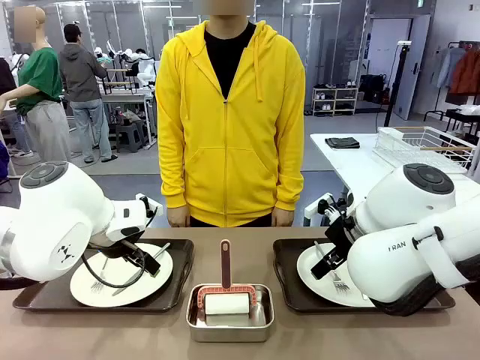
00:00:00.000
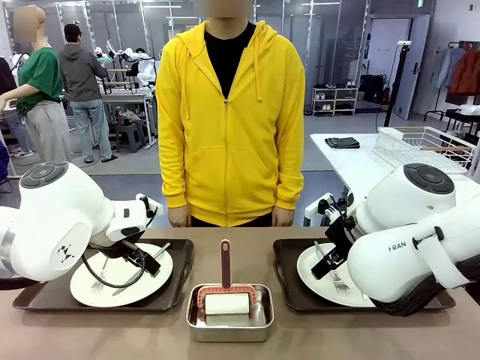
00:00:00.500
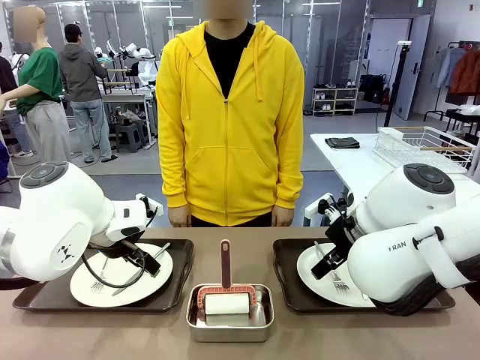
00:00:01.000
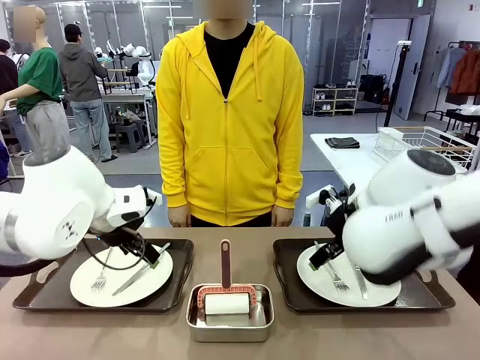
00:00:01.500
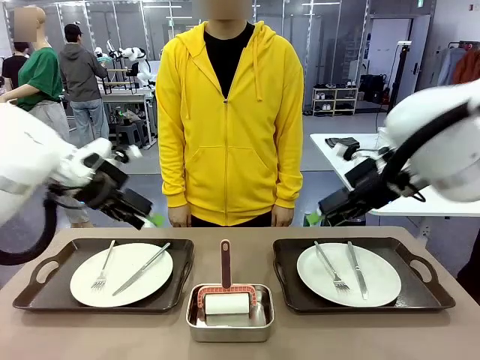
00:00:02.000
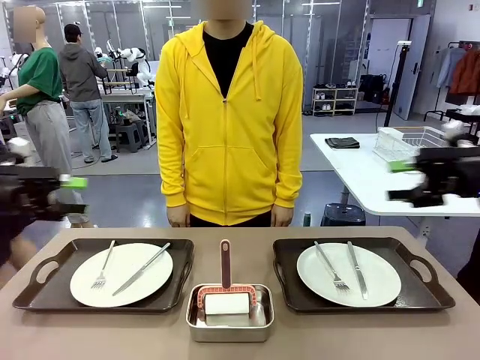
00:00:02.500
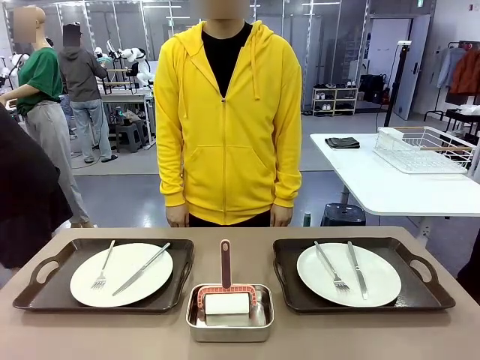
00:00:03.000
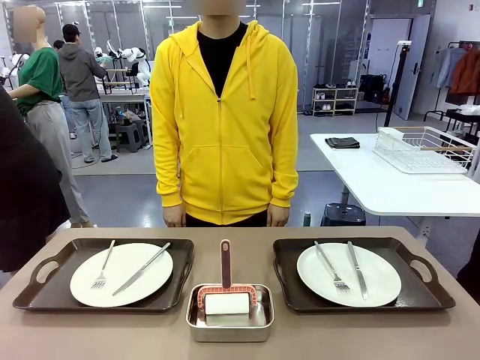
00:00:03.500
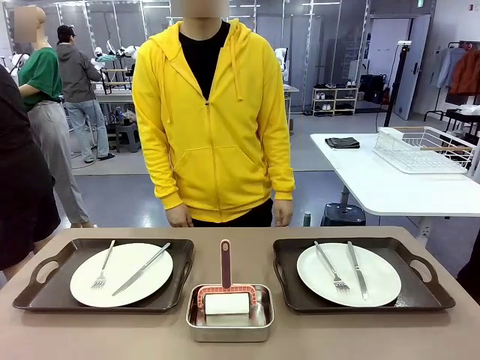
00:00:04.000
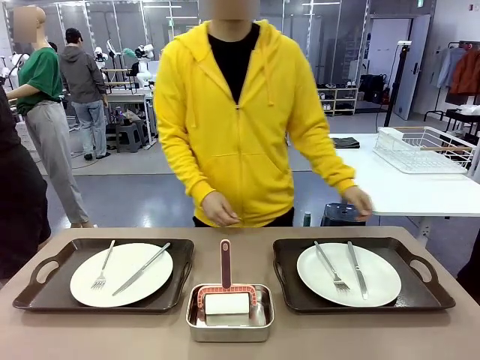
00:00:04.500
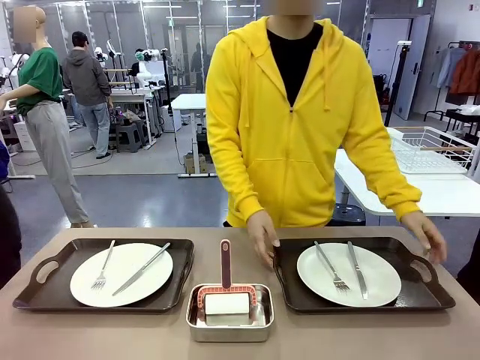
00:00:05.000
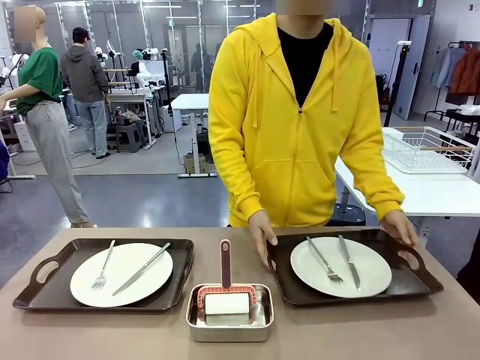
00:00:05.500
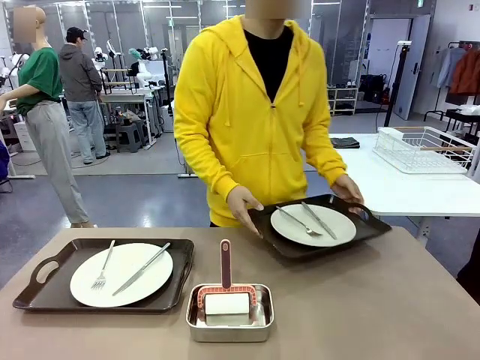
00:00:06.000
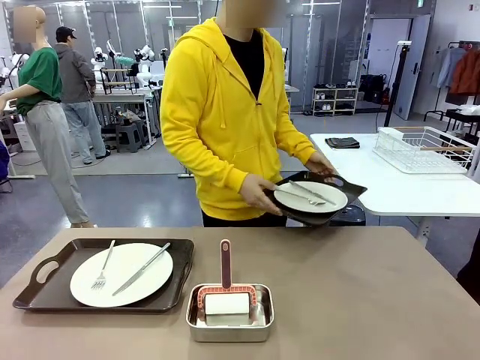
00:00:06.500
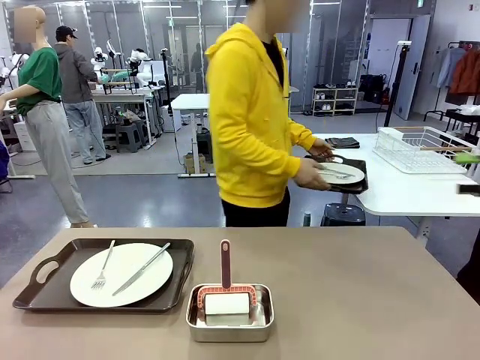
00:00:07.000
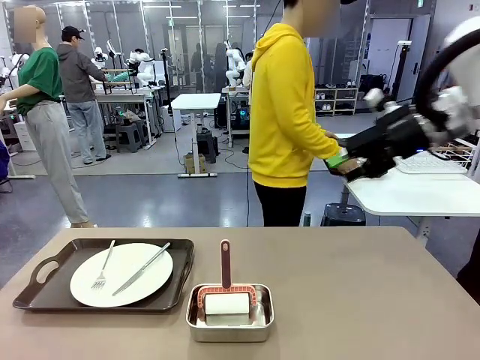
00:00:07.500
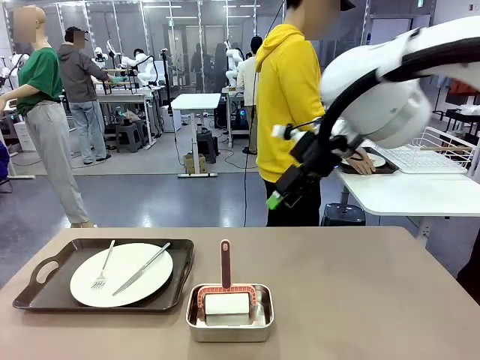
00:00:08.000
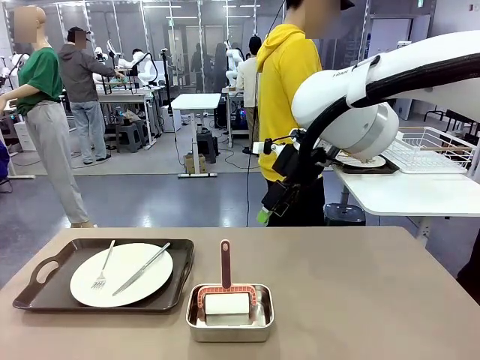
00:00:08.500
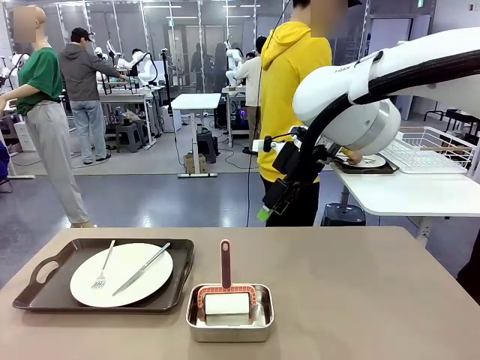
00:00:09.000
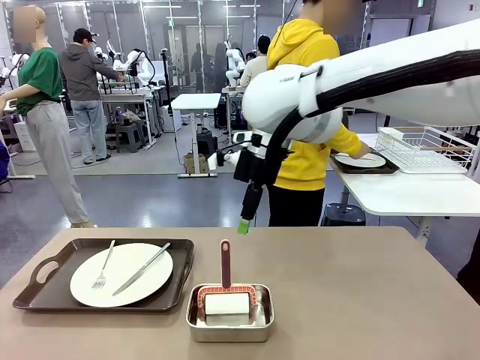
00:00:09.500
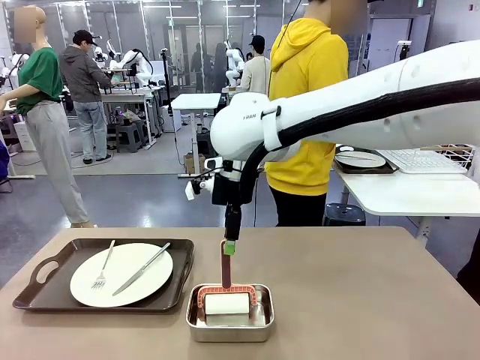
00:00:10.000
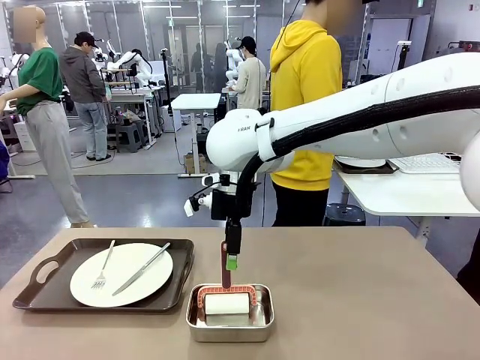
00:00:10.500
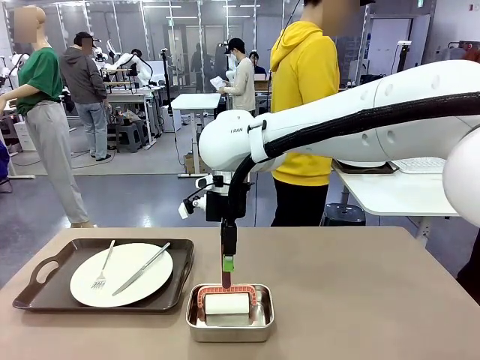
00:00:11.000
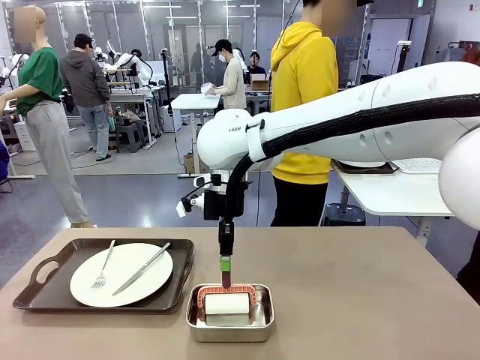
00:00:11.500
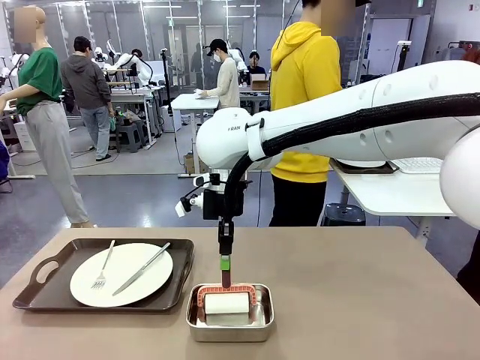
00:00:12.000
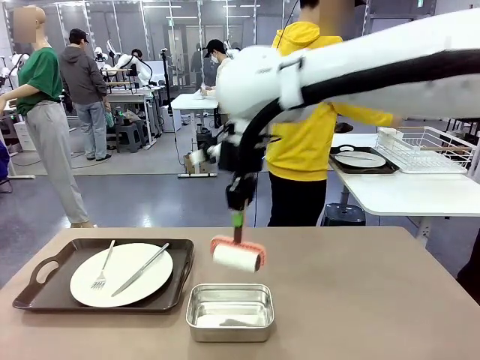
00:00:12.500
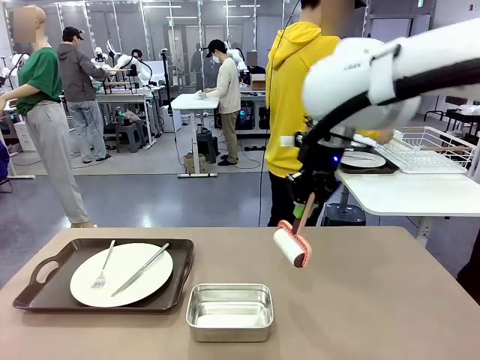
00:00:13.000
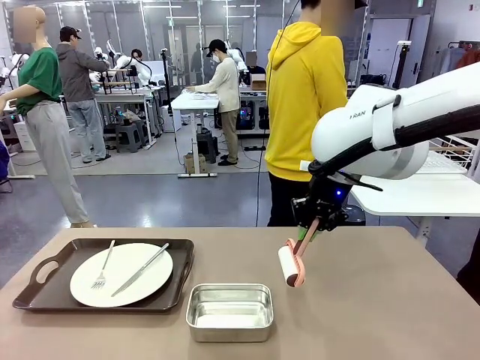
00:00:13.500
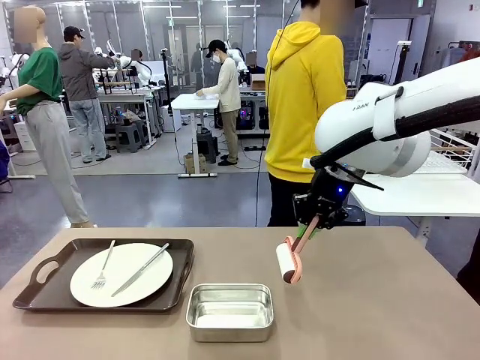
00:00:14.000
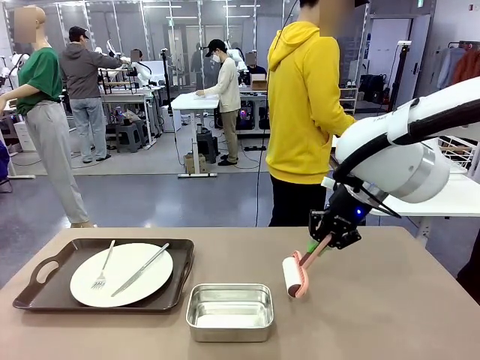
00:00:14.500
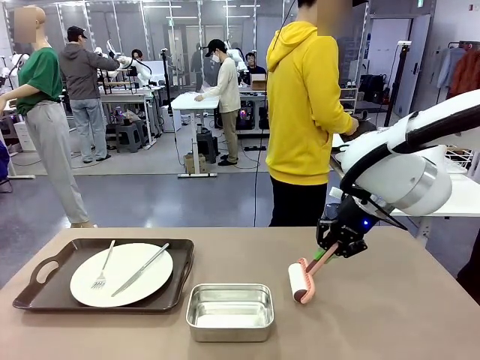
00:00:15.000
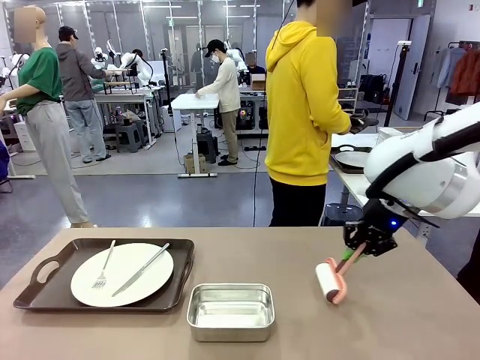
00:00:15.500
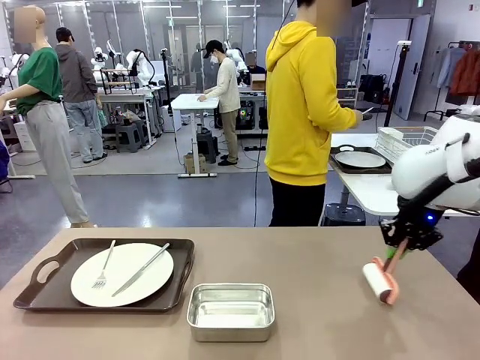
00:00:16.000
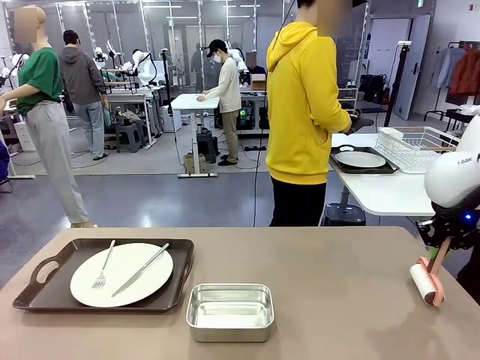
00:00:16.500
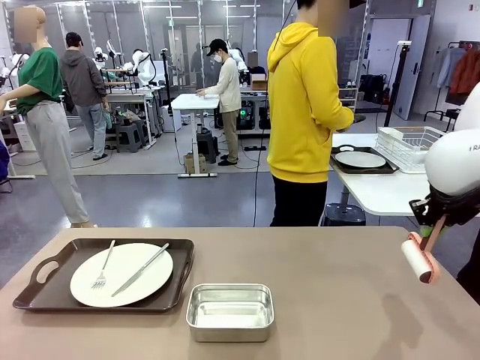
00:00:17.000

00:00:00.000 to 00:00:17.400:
Robot: When the left (or right) Handle tray is removed, use the left hand (or right hand) to clean the left (or right) side of the table with the Lint Roller.
Person: Pick up the left (or right) Handle tray and place it on the middle of the Human's table. Use the Towel with hook to wipe the Plastic Matte Plate , Fork , and Knife and place into the Dish drying rack.

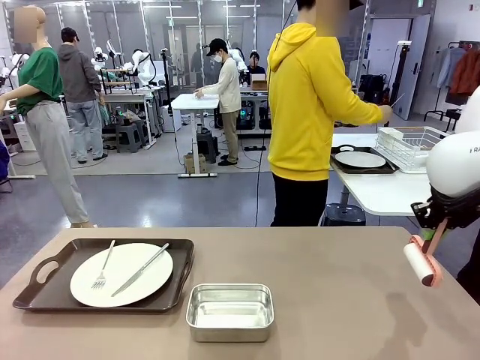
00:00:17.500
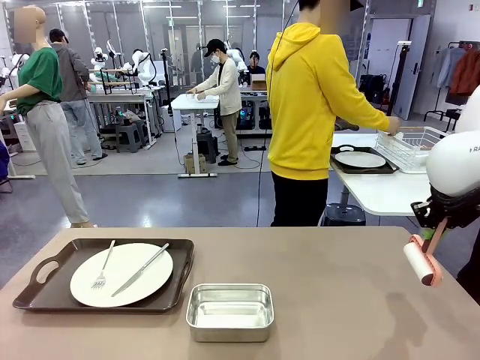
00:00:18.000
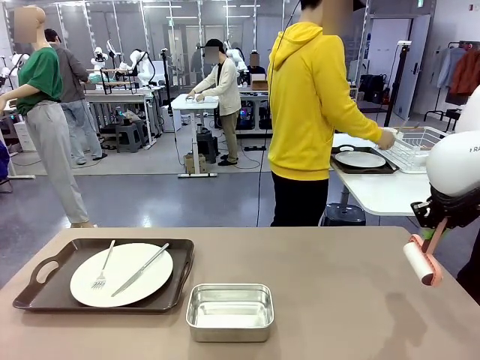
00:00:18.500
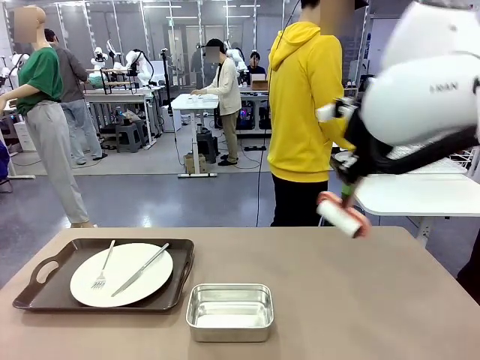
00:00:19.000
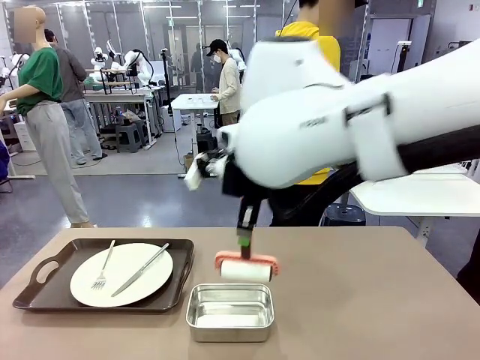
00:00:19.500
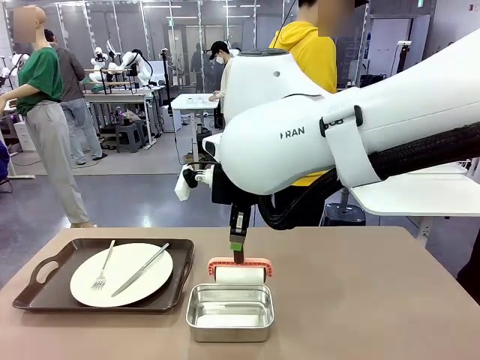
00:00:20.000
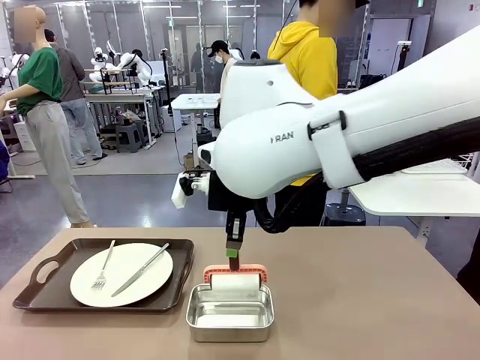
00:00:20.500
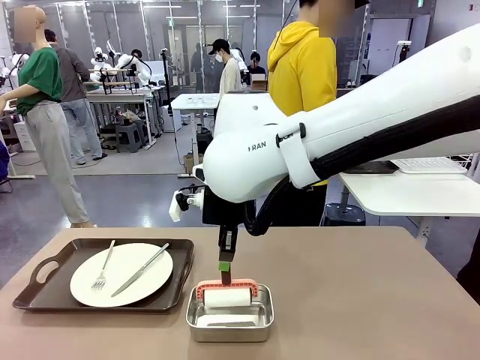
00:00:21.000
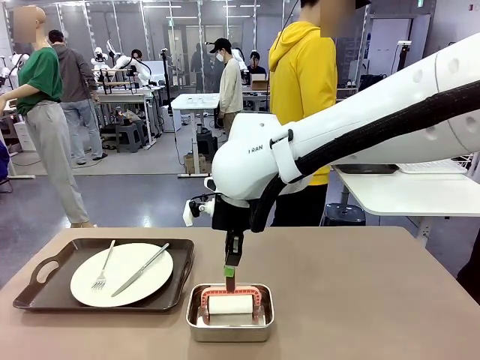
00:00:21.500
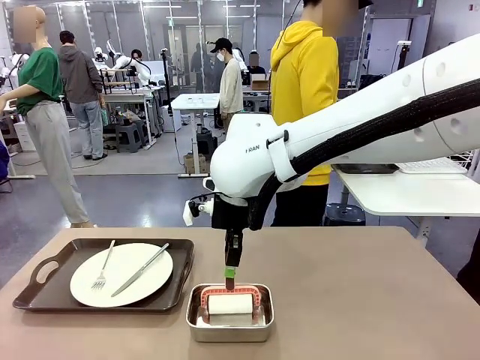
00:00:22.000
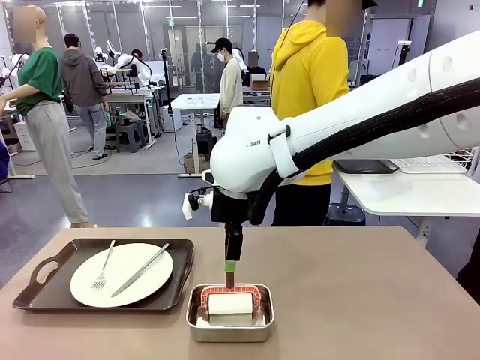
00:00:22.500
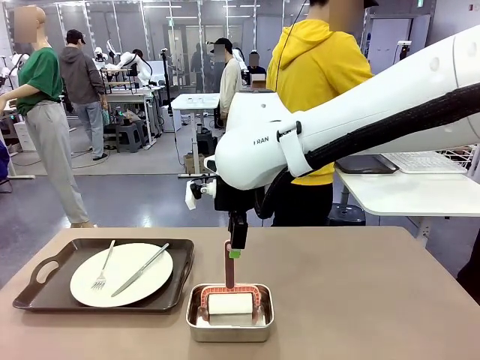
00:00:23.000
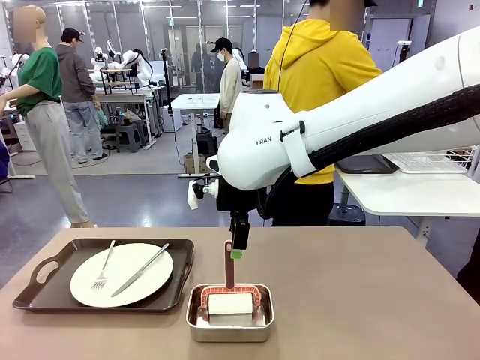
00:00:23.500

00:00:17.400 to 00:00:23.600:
Robot: Place the Lint Roller back on top of the Airtight Container.
